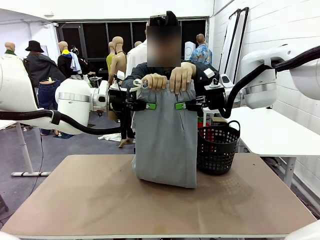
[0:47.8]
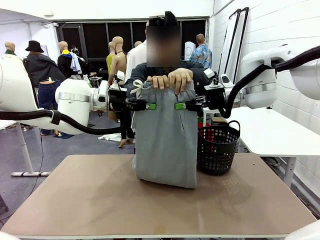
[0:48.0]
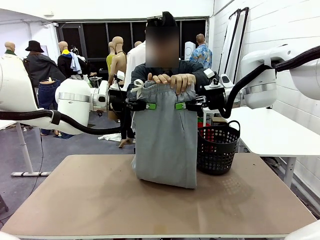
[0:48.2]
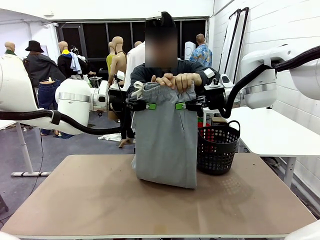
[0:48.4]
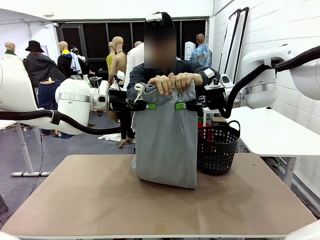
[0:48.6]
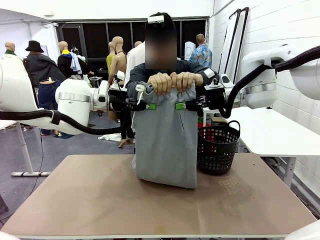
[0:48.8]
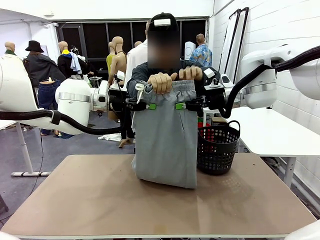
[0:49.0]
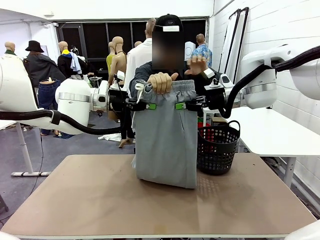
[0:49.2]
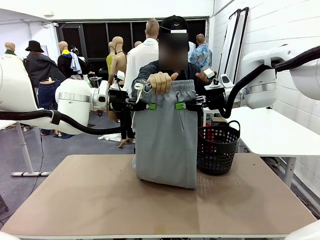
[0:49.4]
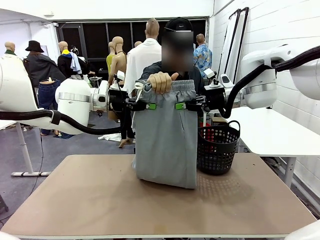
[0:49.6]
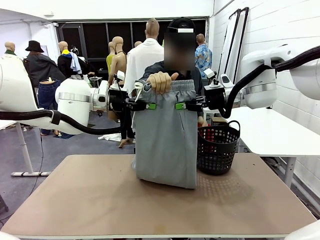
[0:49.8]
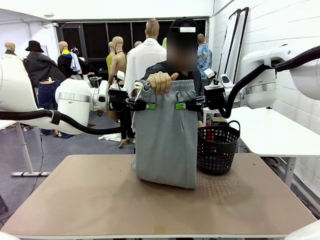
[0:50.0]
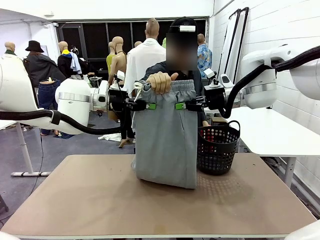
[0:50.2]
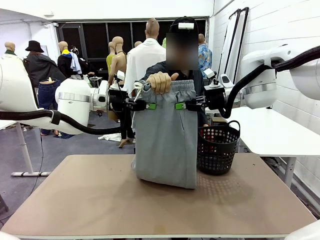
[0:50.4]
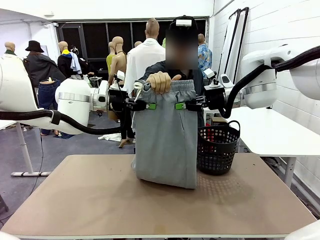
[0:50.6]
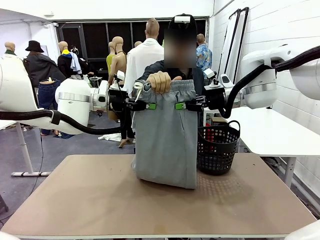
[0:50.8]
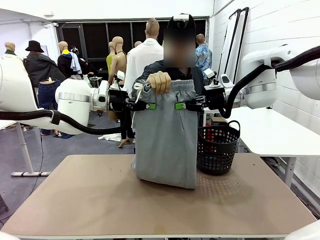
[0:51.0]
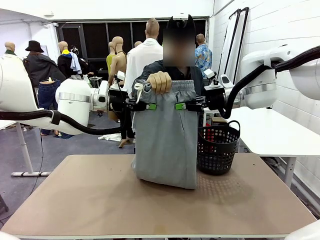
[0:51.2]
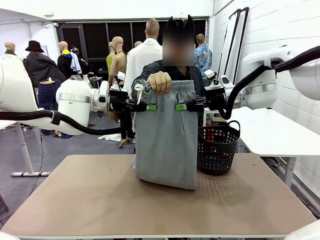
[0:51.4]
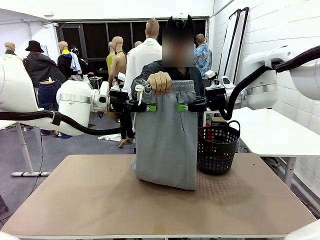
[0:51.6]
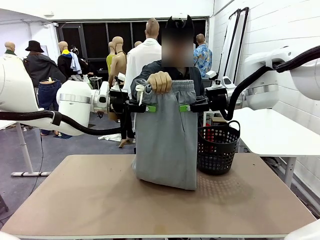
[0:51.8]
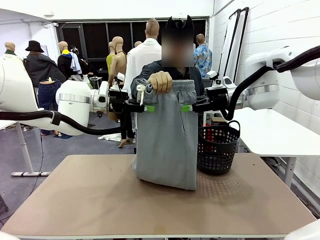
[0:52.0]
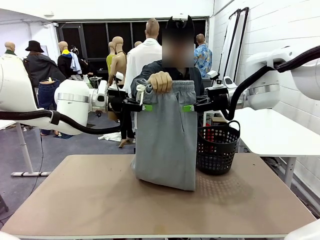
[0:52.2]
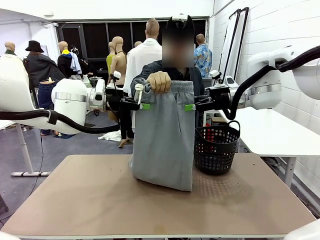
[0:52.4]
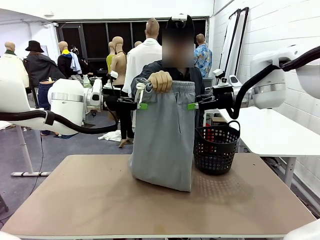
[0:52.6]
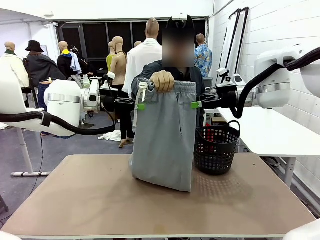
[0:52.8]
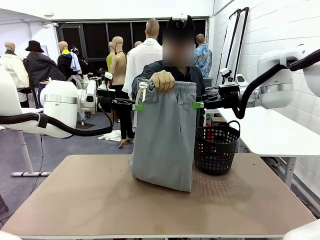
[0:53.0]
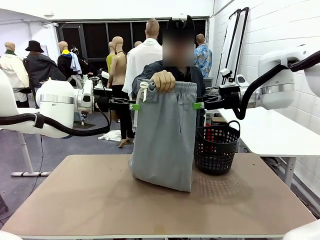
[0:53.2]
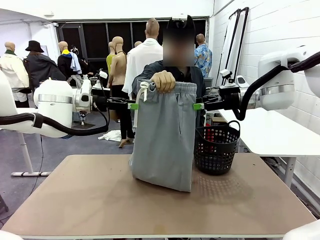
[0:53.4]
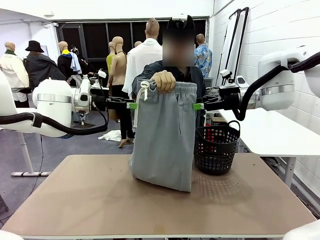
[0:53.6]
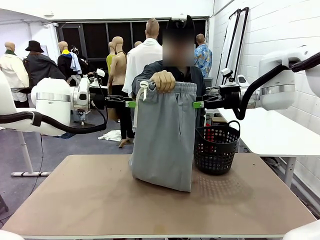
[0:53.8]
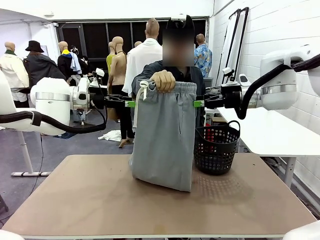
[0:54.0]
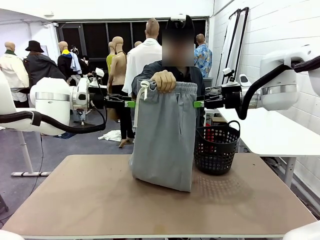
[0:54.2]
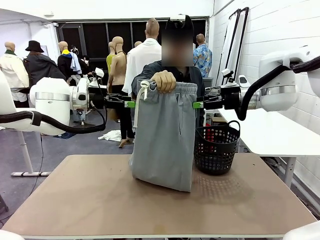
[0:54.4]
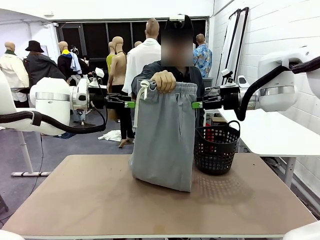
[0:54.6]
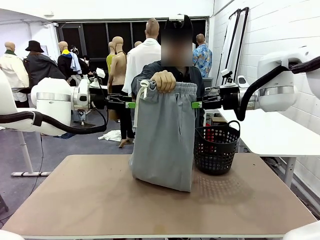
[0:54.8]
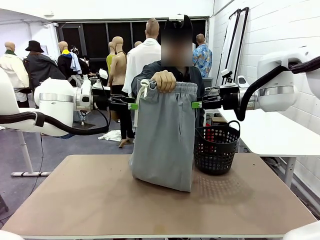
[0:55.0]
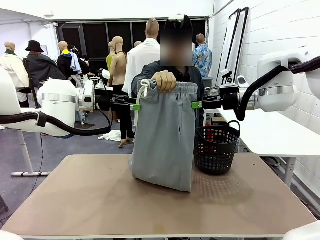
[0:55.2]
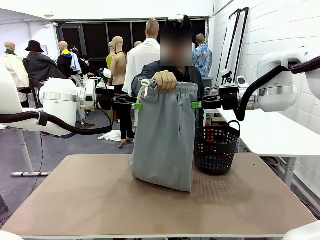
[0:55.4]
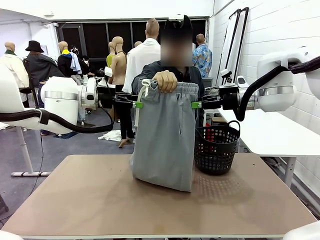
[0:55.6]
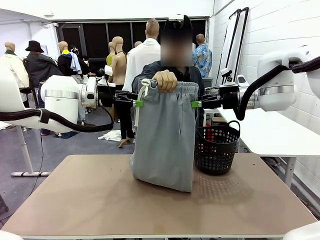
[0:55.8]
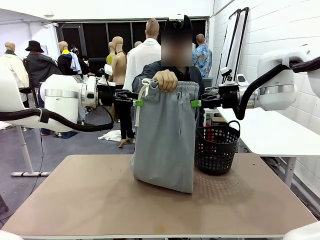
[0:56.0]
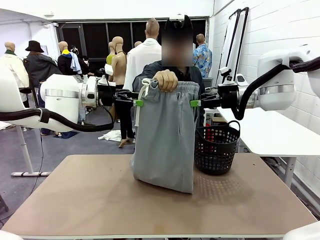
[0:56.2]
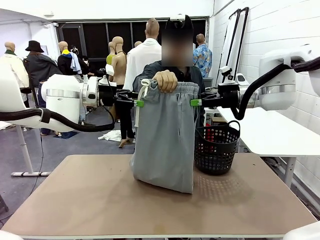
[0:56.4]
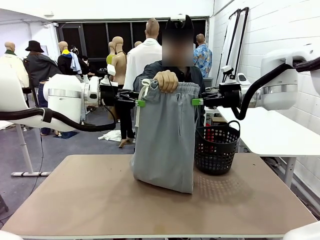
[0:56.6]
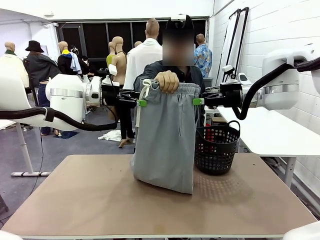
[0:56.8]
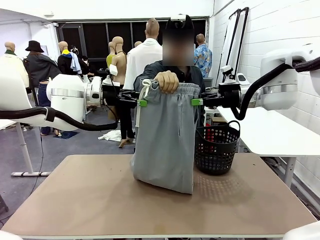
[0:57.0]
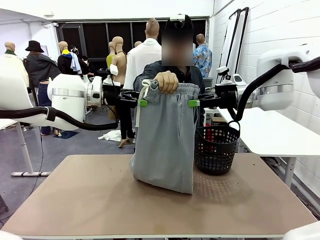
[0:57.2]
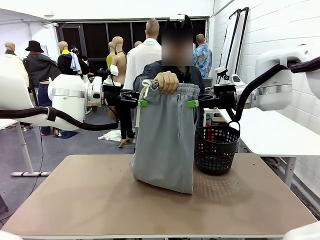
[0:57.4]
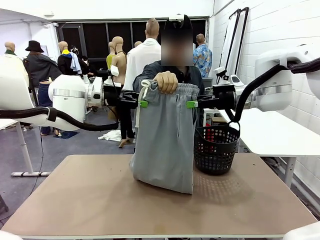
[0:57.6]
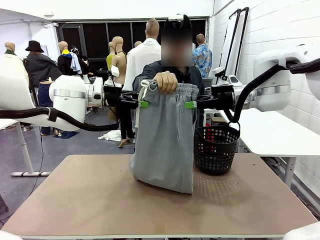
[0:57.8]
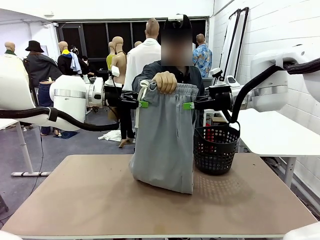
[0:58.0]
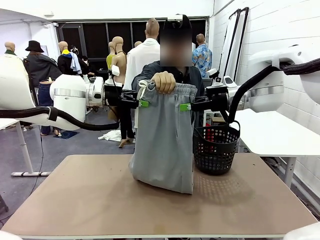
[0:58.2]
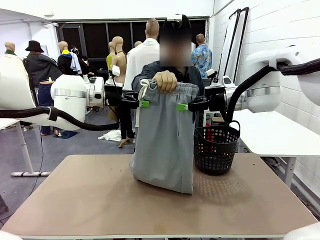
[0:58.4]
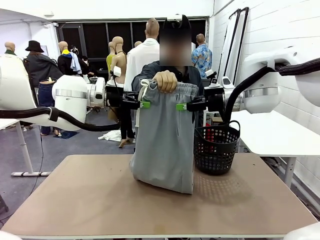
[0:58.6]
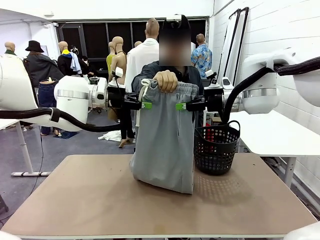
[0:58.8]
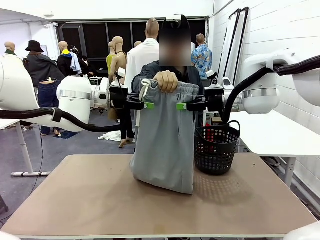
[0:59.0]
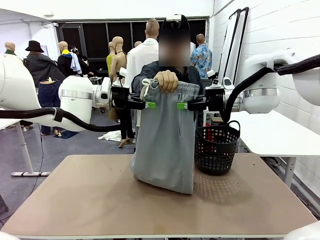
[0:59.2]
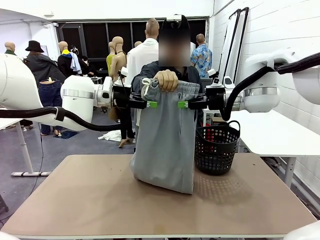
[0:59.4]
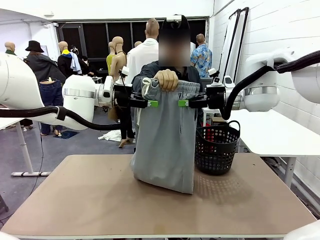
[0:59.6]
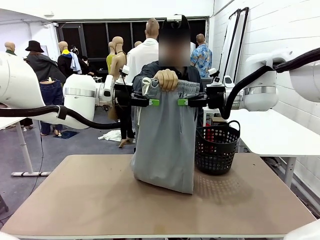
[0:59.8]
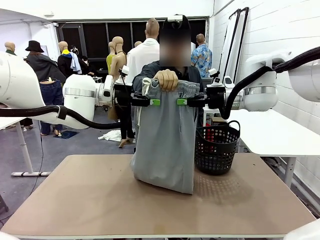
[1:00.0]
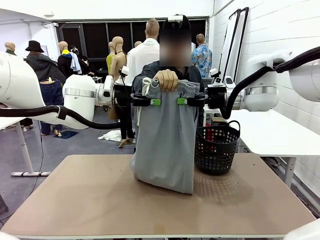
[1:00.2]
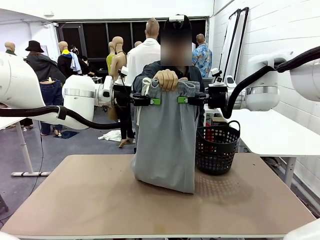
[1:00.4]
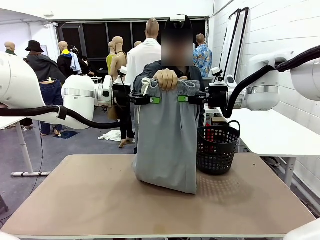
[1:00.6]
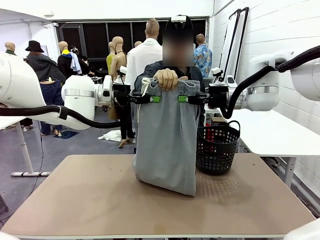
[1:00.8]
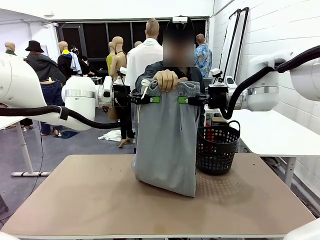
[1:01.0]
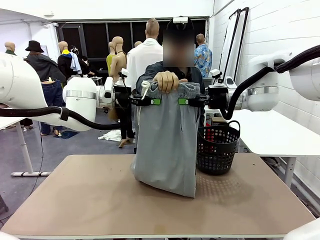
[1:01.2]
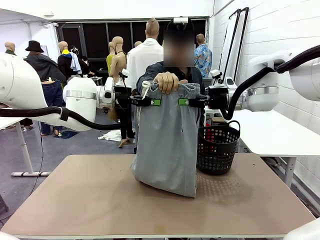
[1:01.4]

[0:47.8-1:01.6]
Task: Fold the training pants.
Robot: Release the ends of the Training pants and then grab the overlapped ends.
Person: Release the pants you were holding.
